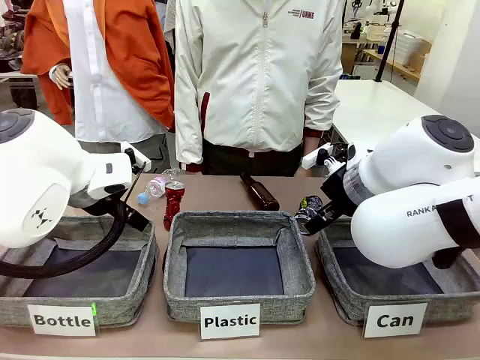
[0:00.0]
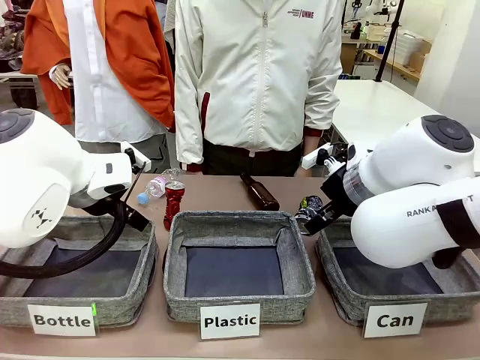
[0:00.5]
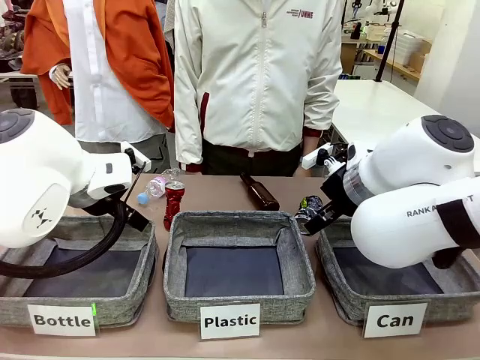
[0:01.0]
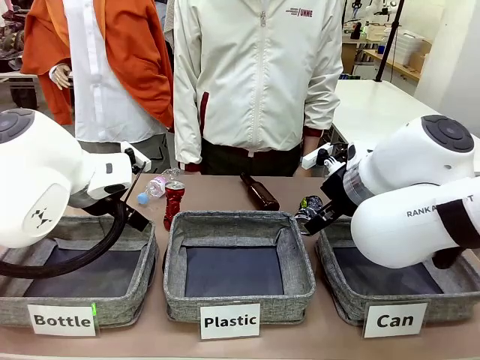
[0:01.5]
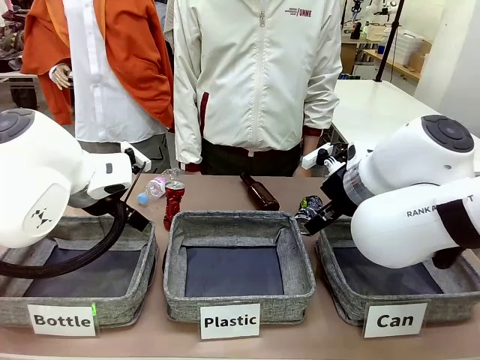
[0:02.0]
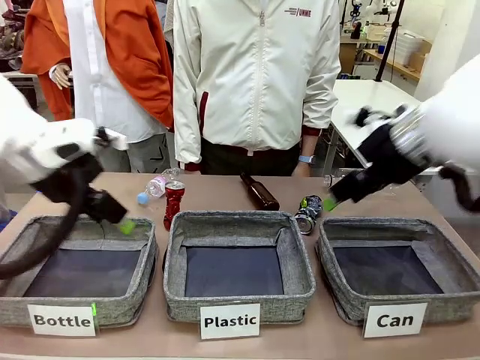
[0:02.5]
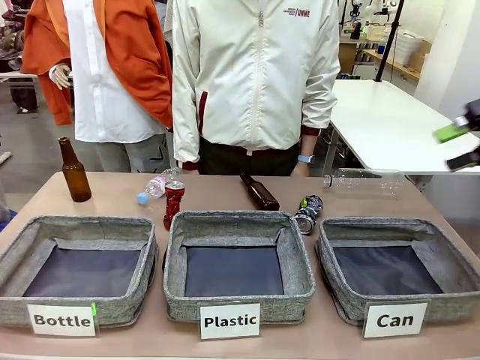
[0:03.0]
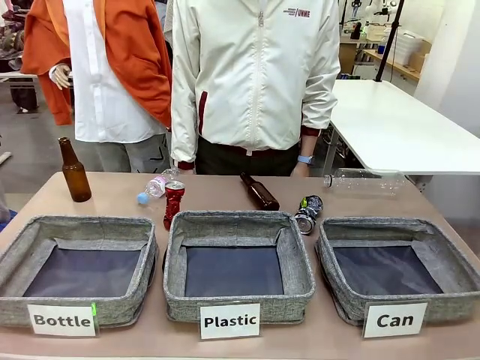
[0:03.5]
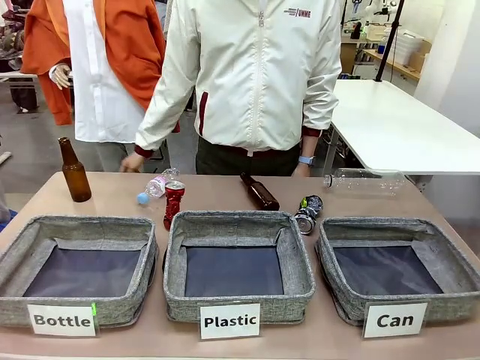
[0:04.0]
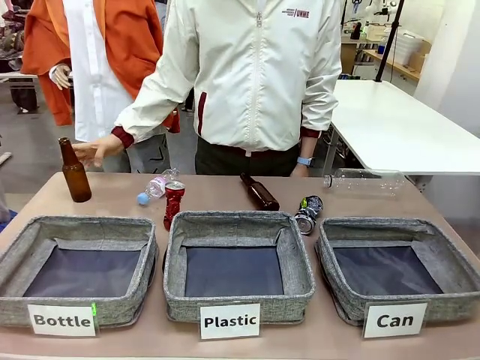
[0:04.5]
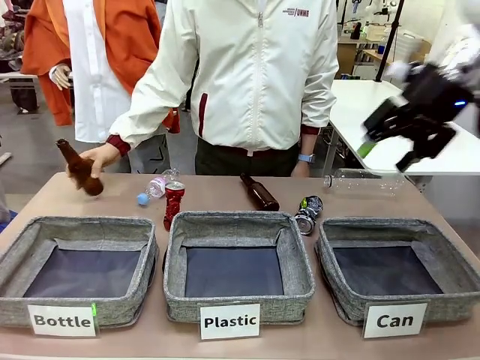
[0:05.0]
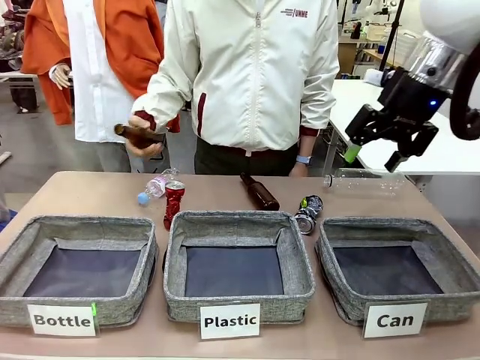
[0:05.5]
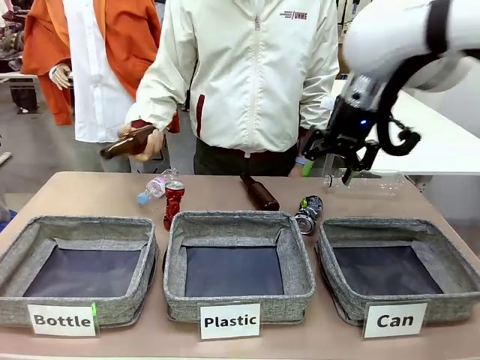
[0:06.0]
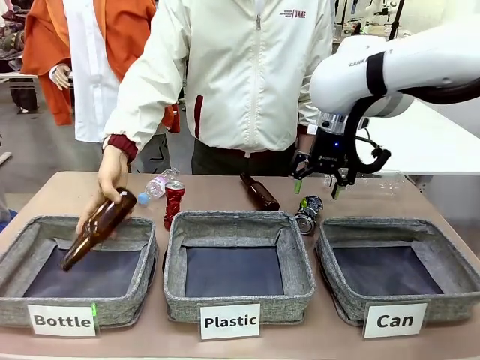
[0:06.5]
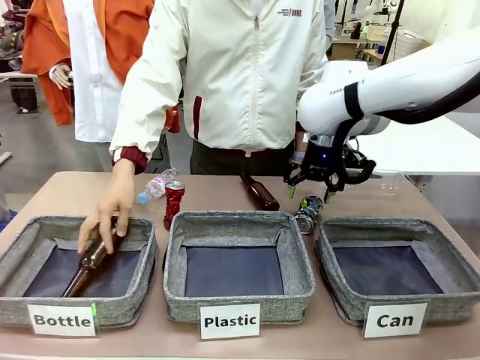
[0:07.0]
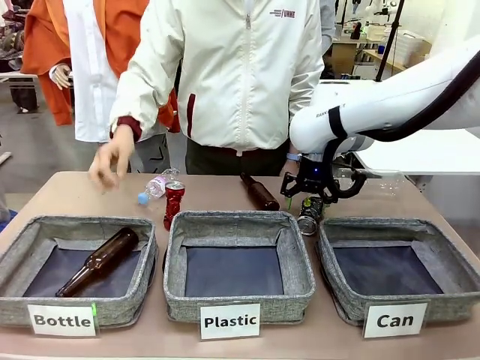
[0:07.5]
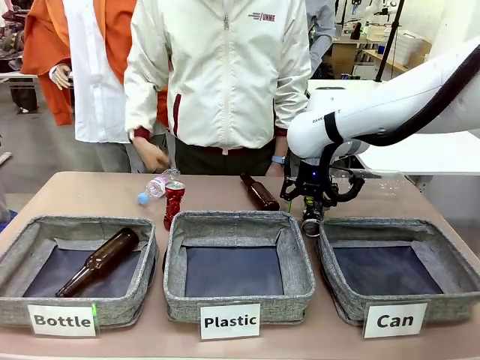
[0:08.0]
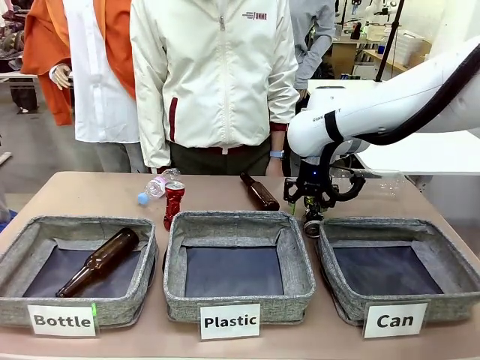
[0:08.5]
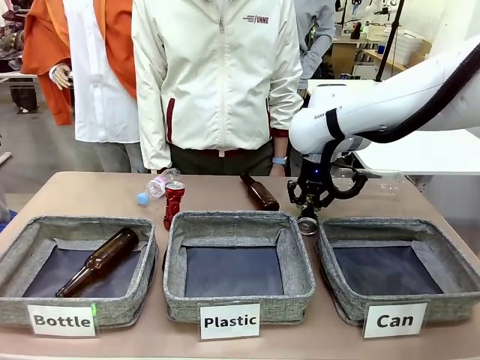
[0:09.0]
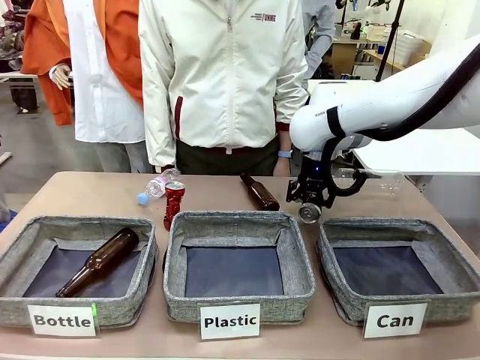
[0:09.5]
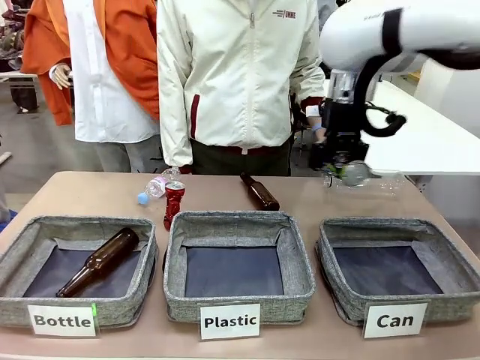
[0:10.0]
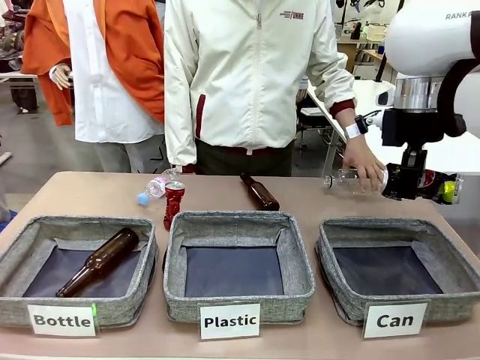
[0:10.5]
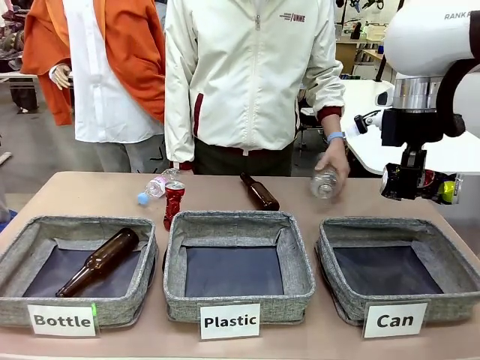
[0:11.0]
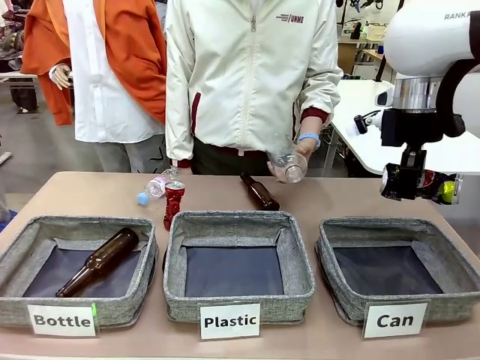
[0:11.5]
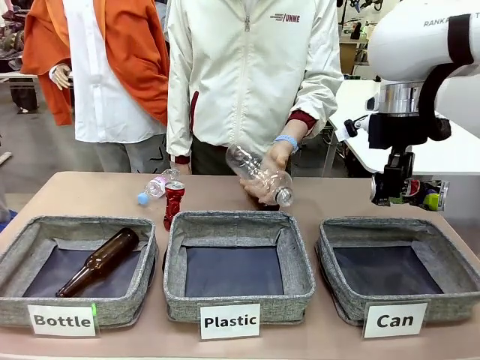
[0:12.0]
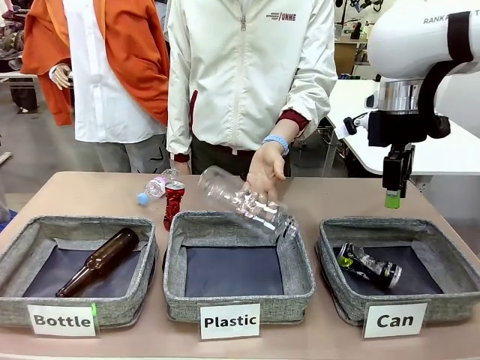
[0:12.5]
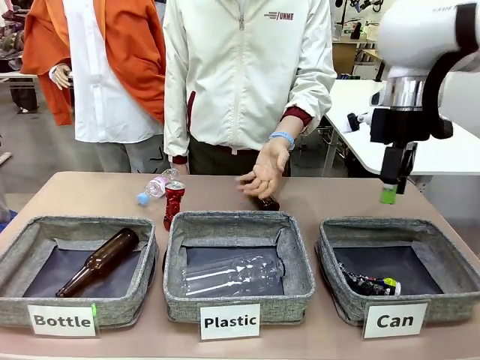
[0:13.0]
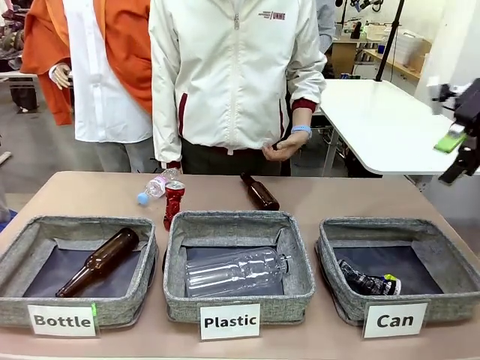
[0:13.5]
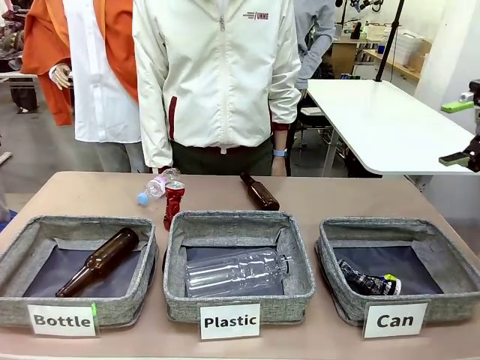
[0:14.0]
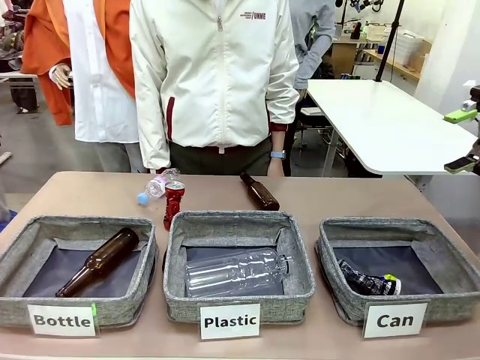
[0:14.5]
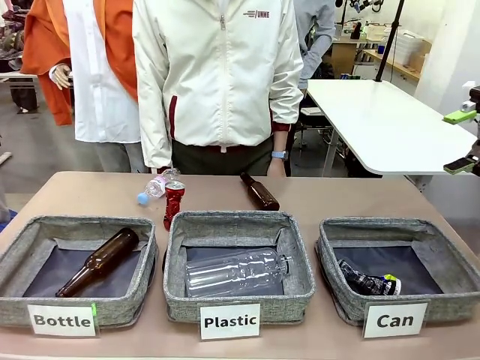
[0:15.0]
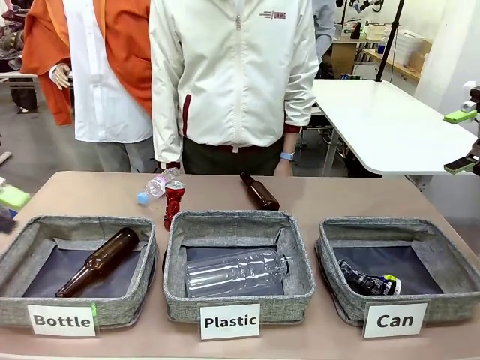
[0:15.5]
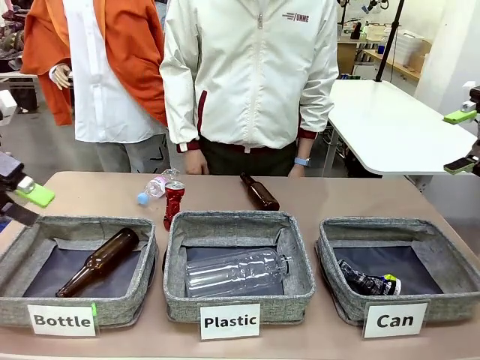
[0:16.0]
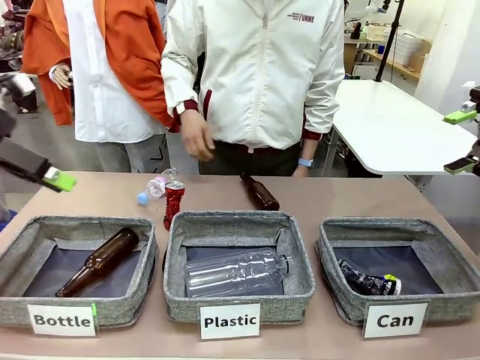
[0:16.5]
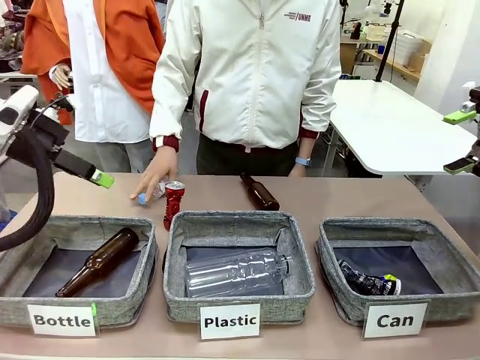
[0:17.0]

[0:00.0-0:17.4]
Task: Sort the can waste into the basket.
Robot: Pick up the can waste from the table and place it in the right Fabric basket.

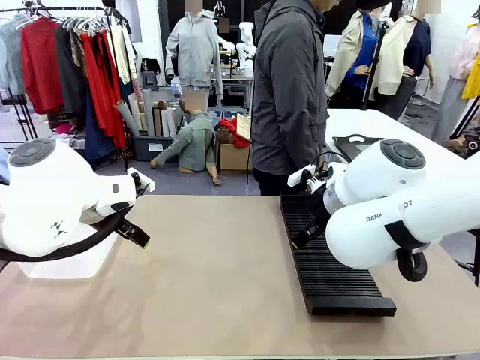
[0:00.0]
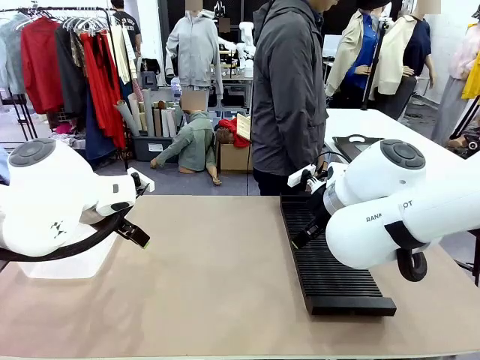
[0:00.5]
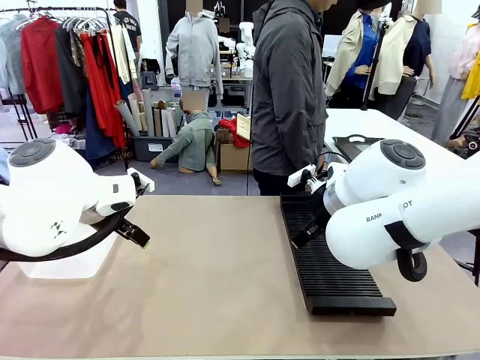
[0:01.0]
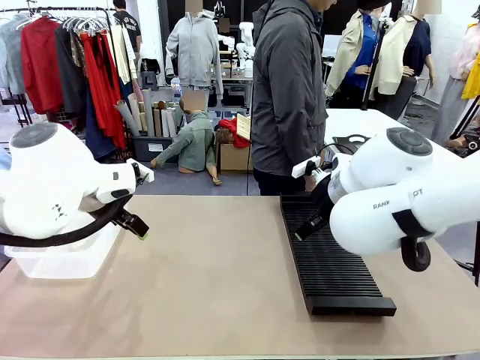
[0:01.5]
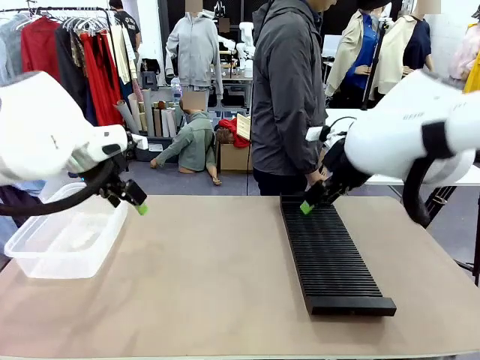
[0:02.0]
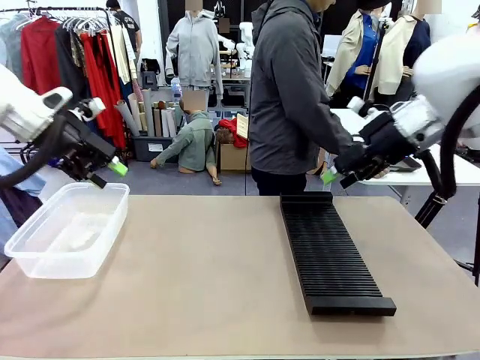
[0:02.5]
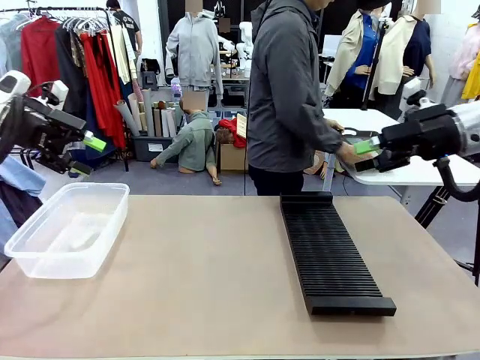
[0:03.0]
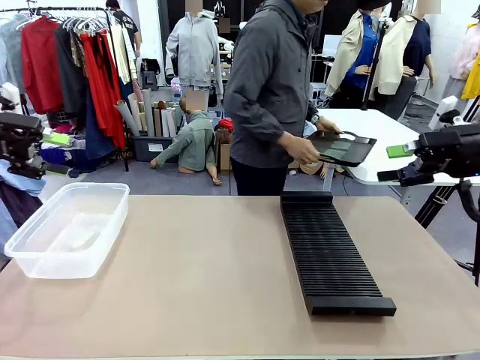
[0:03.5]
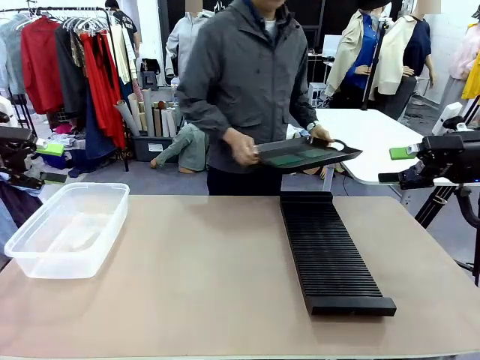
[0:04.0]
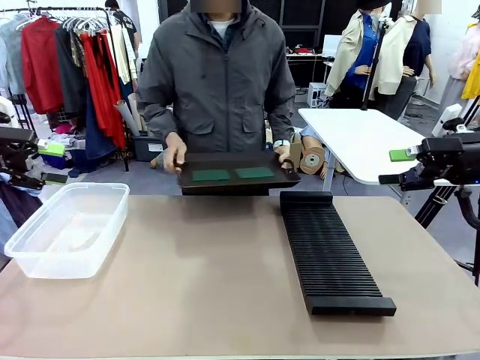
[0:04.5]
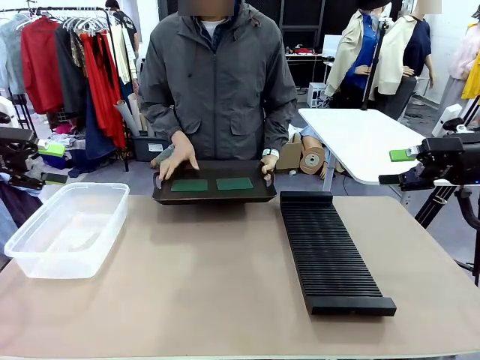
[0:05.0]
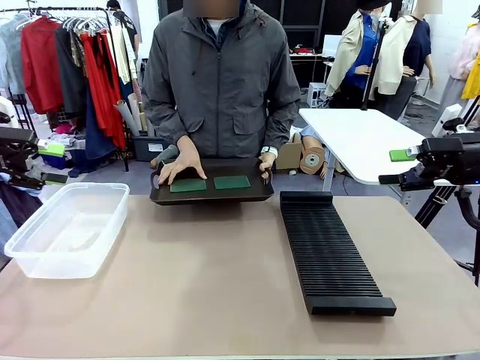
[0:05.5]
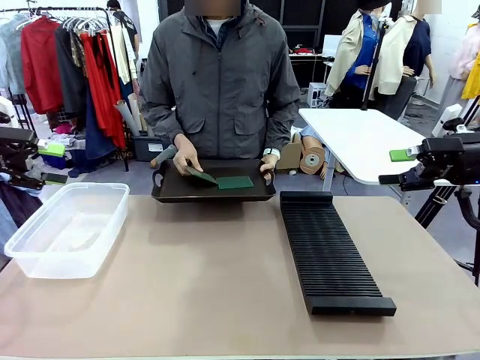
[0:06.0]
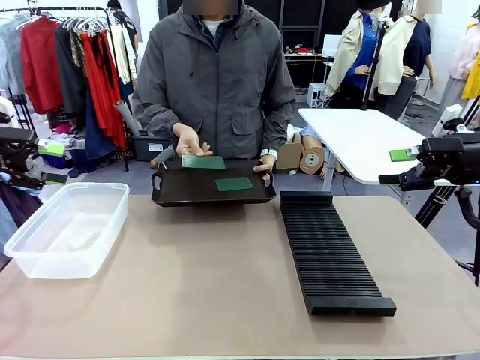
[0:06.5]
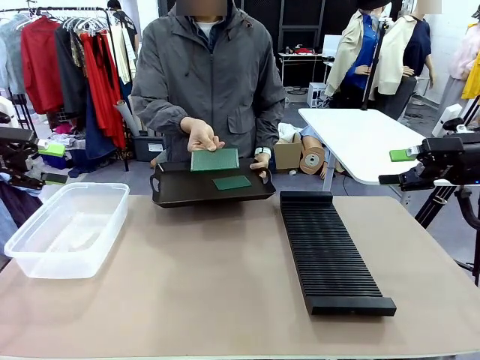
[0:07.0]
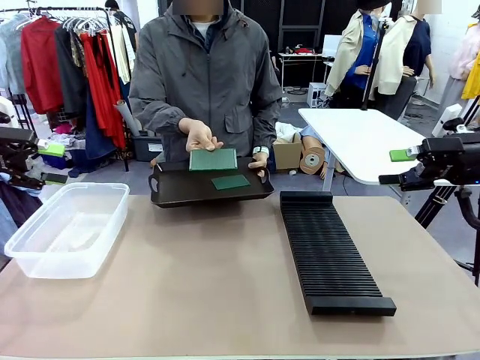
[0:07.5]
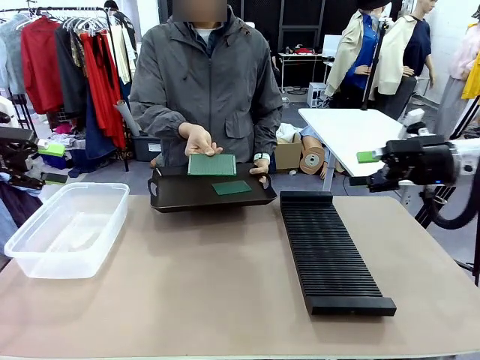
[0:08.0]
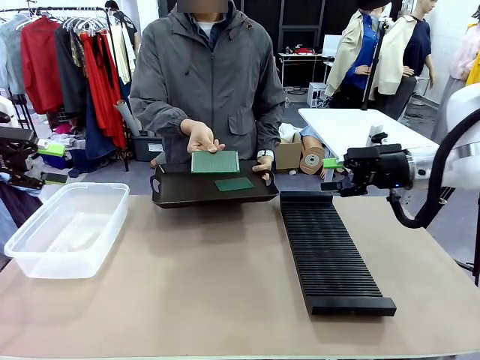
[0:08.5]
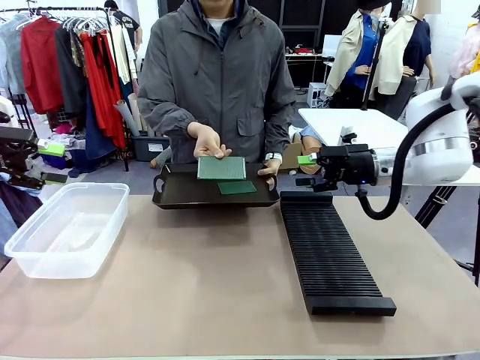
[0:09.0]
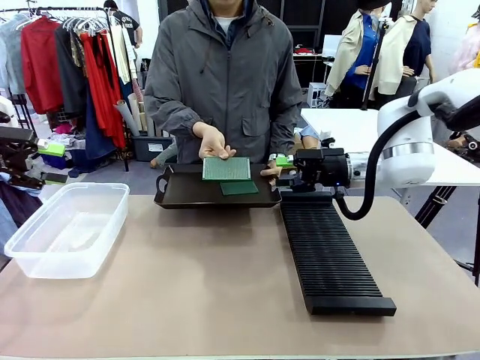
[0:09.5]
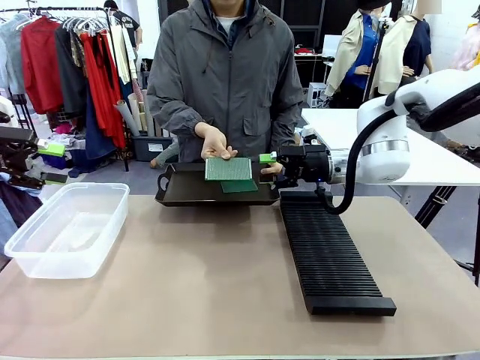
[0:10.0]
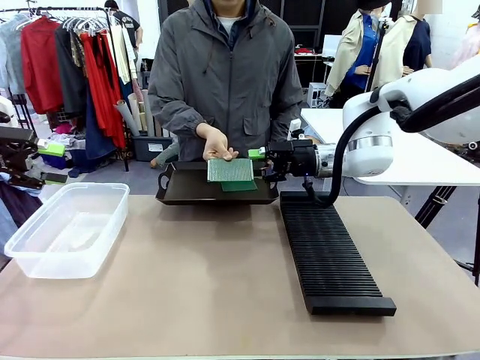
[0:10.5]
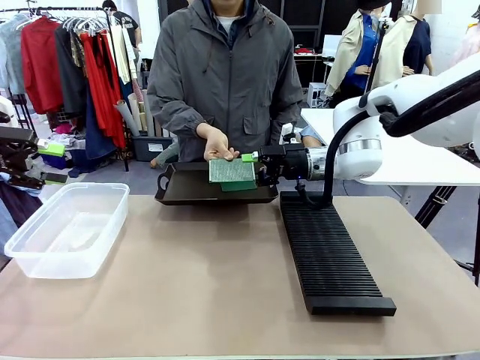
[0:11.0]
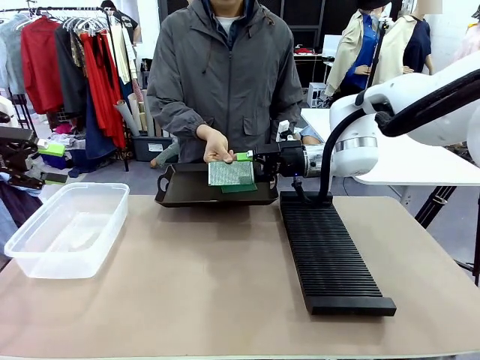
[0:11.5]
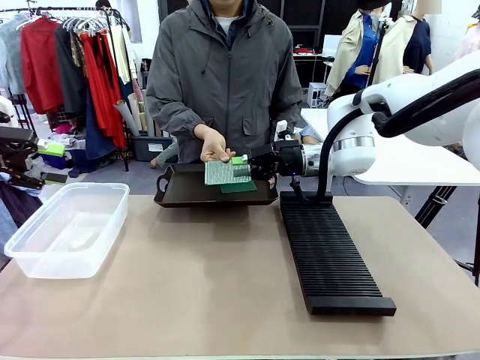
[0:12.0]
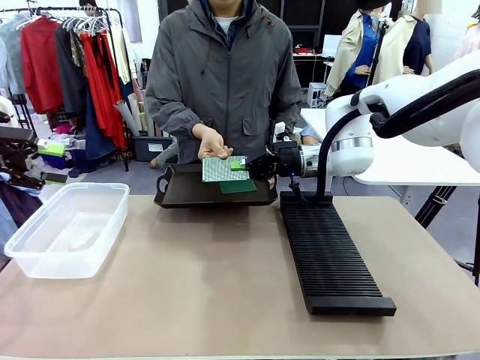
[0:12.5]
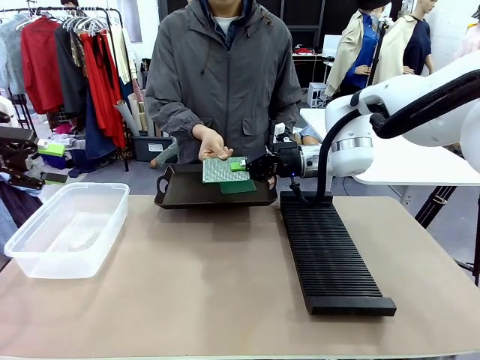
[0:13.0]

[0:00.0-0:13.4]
Task: Sort PCBs into racks and boxes based on the side picked up.
Robot: Pick up the Blank PCB handed by the Human.
Person: Pick one PCB from the tray and present it to the robot. Release the PCB being held.
